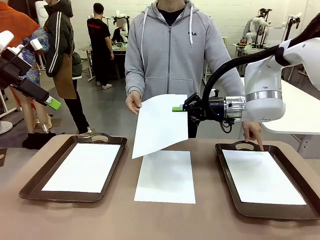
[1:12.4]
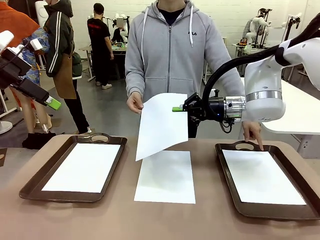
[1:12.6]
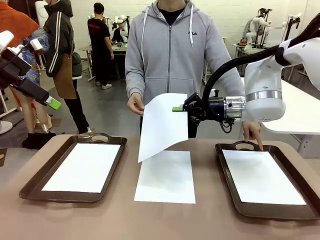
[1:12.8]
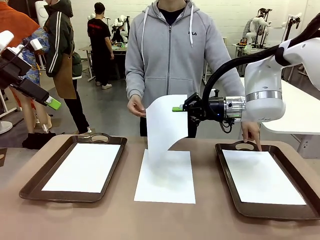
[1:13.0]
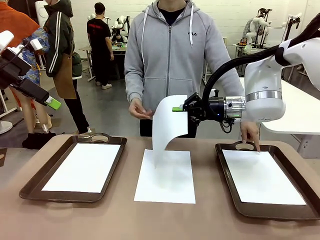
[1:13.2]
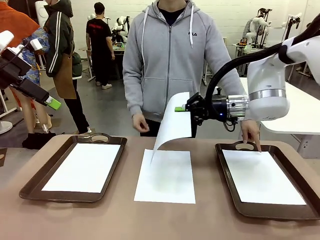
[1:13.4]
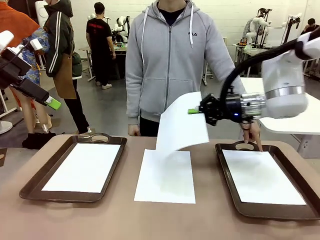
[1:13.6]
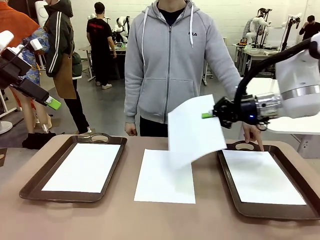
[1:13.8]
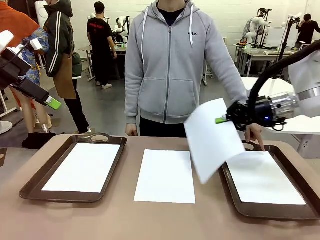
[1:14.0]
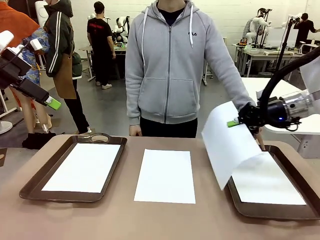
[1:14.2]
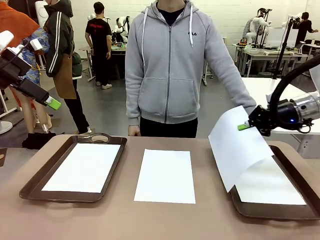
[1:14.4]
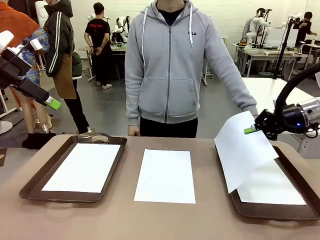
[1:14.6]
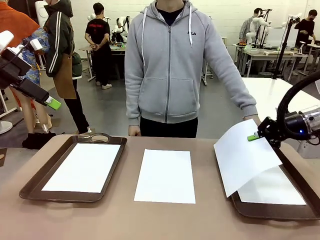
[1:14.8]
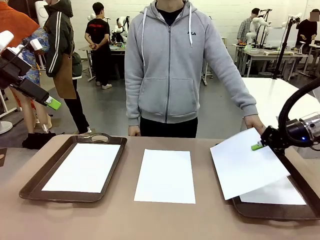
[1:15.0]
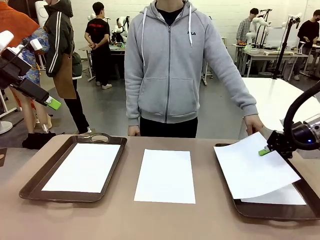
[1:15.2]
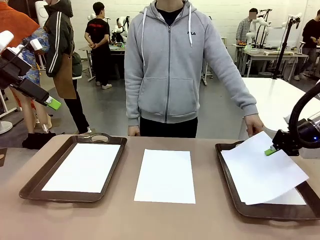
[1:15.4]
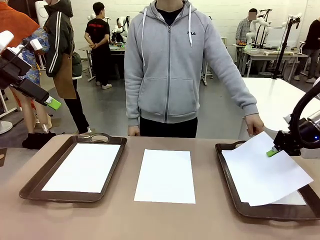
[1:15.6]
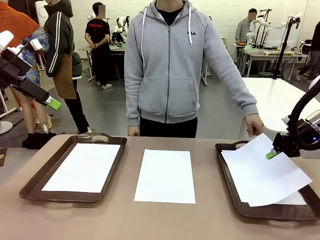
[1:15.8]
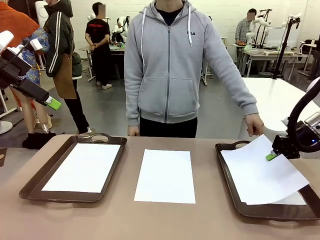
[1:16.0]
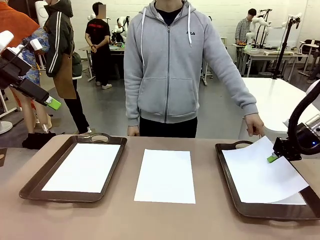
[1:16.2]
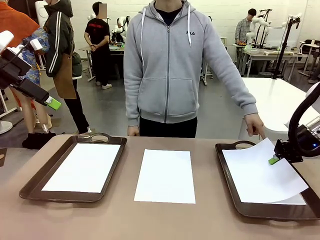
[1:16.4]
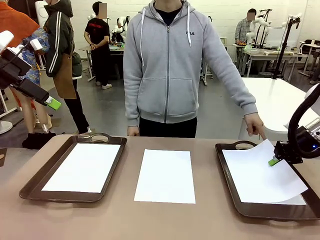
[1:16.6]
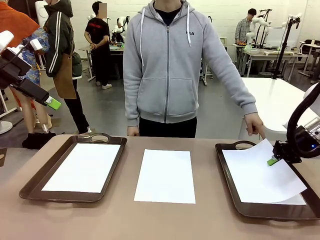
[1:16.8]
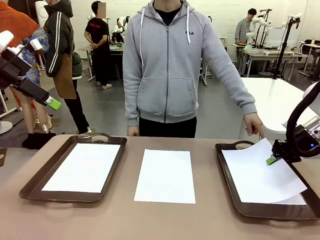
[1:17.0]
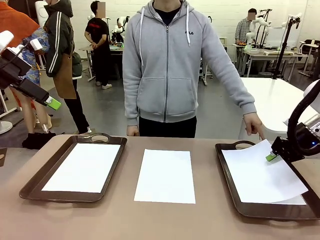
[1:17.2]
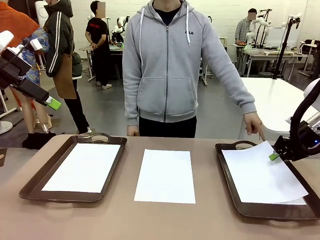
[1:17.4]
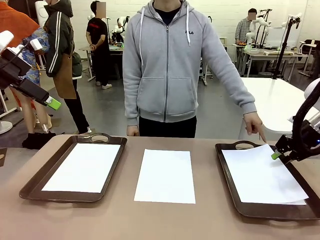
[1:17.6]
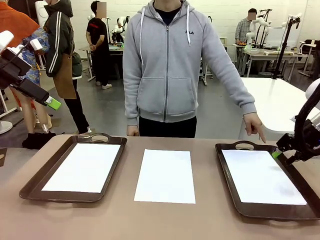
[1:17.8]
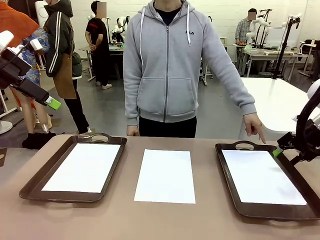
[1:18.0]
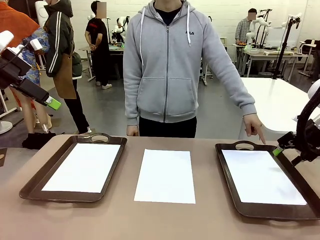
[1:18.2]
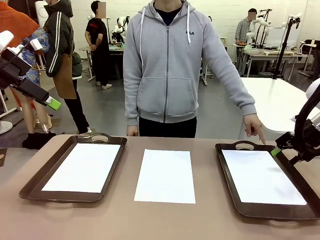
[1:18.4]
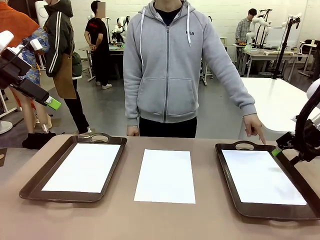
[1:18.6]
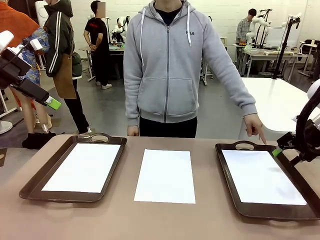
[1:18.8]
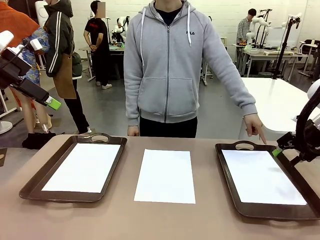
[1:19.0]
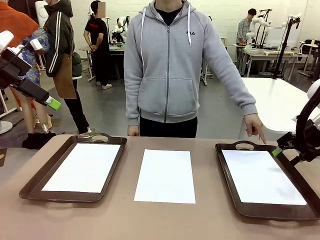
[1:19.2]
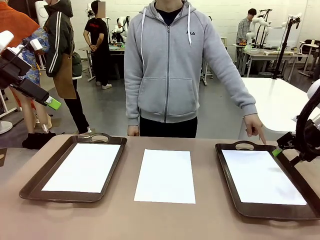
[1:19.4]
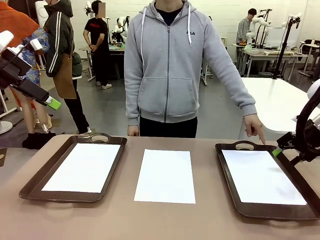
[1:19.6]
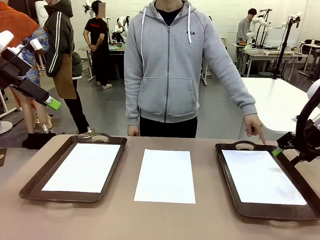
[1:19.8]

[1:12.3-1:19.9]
Task: Sort the A4 documents.
Robot: Place the A4 Paper in the designated Handle tray.

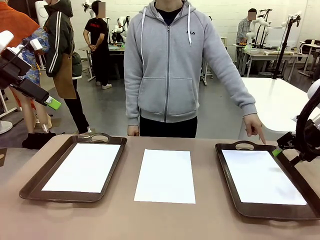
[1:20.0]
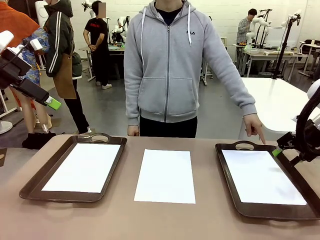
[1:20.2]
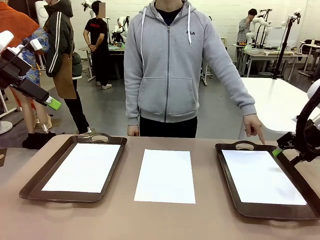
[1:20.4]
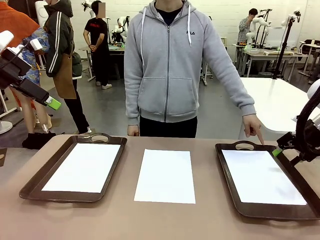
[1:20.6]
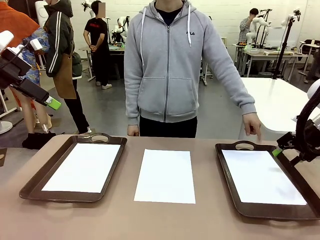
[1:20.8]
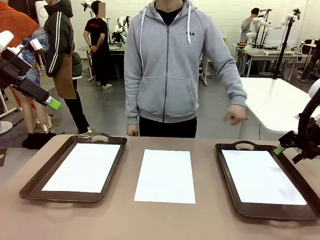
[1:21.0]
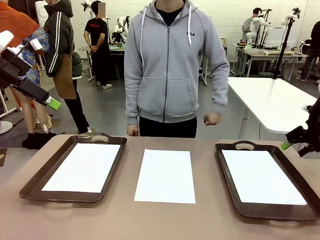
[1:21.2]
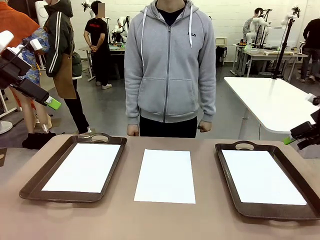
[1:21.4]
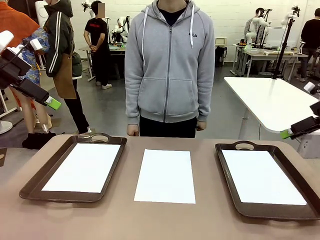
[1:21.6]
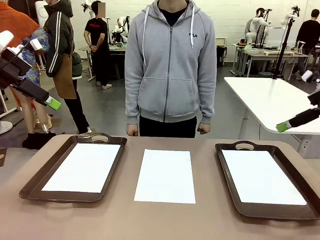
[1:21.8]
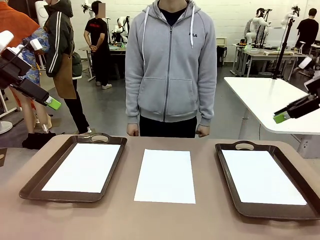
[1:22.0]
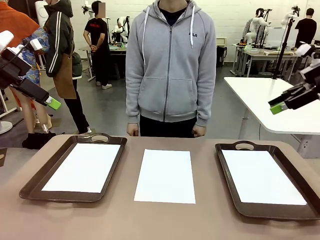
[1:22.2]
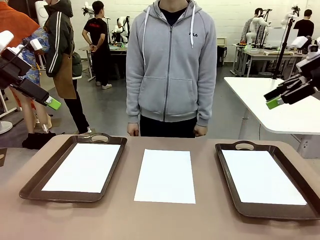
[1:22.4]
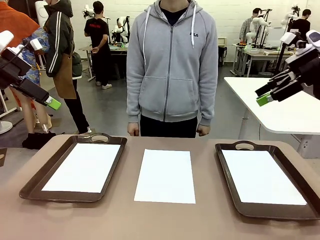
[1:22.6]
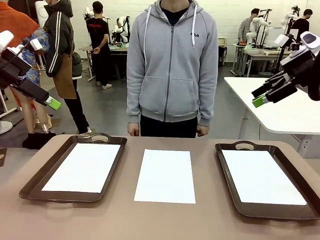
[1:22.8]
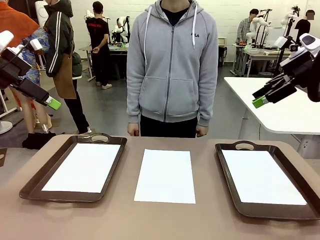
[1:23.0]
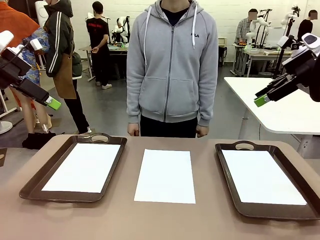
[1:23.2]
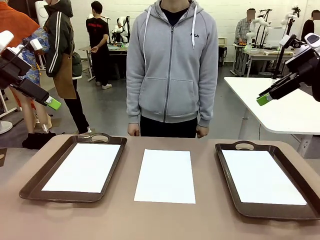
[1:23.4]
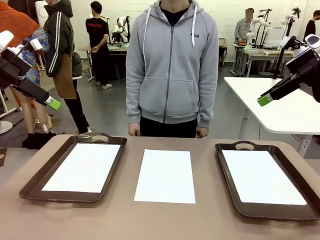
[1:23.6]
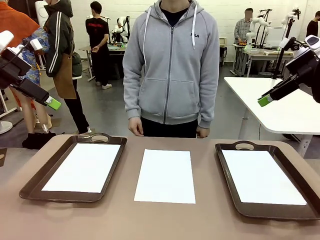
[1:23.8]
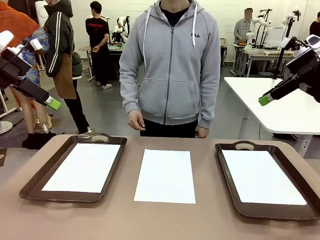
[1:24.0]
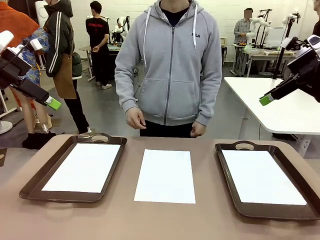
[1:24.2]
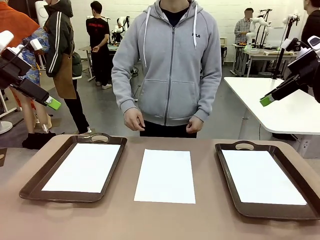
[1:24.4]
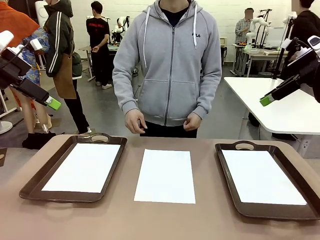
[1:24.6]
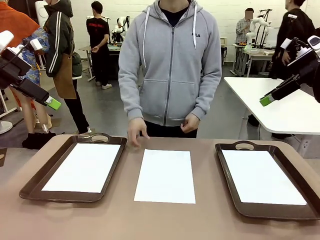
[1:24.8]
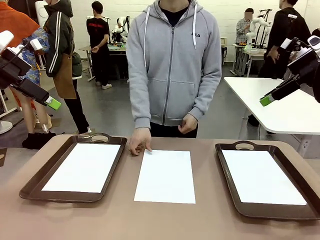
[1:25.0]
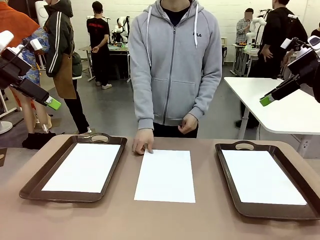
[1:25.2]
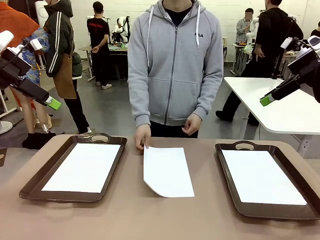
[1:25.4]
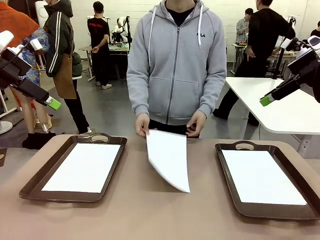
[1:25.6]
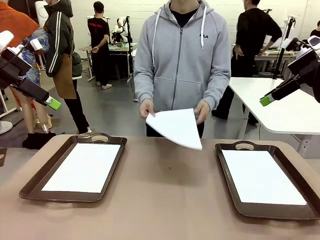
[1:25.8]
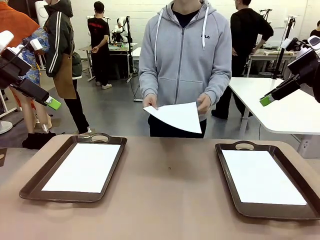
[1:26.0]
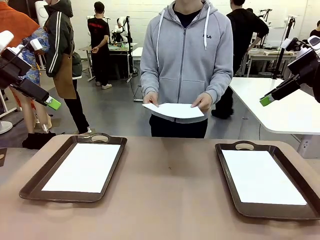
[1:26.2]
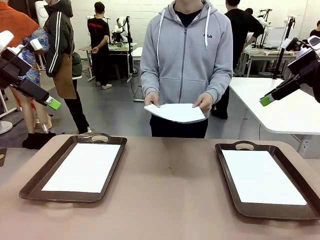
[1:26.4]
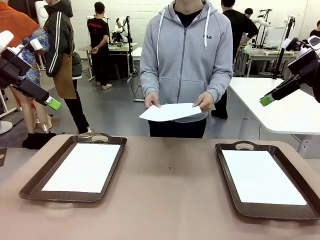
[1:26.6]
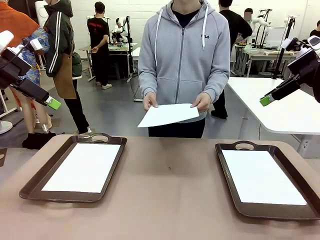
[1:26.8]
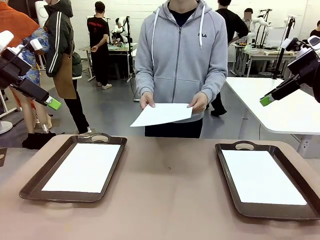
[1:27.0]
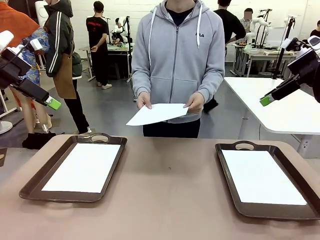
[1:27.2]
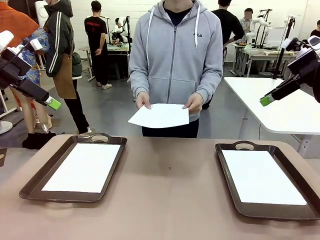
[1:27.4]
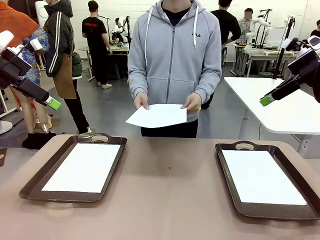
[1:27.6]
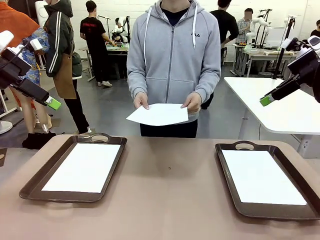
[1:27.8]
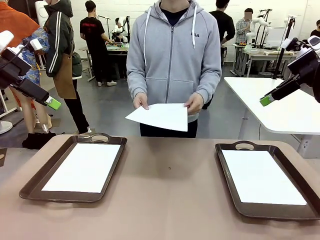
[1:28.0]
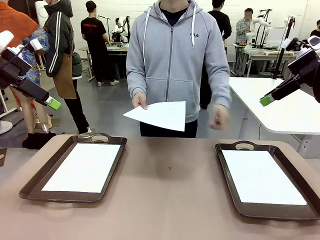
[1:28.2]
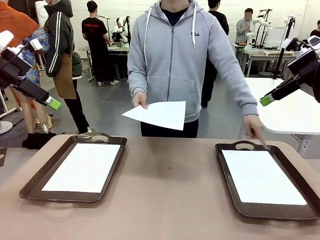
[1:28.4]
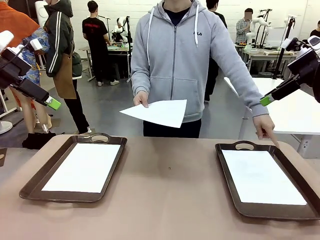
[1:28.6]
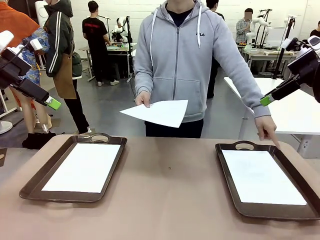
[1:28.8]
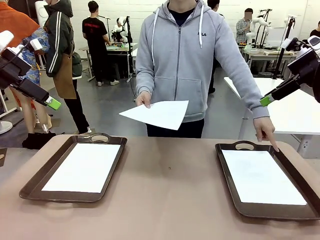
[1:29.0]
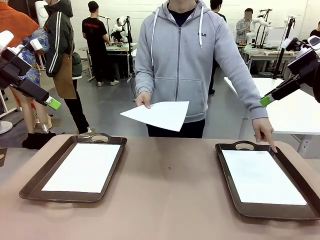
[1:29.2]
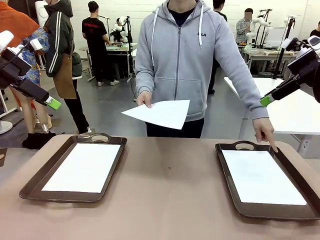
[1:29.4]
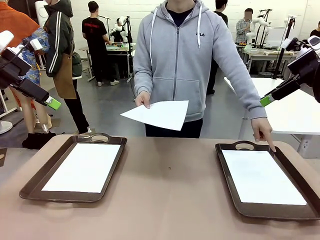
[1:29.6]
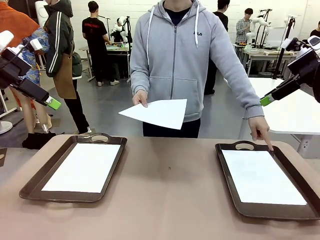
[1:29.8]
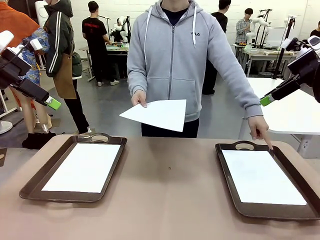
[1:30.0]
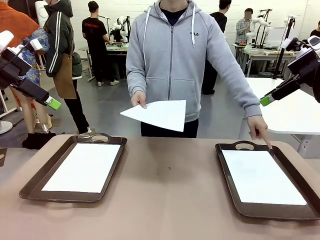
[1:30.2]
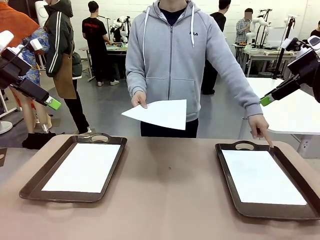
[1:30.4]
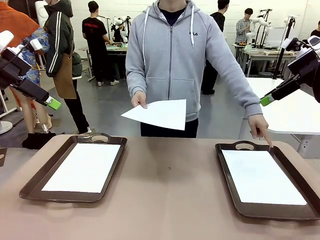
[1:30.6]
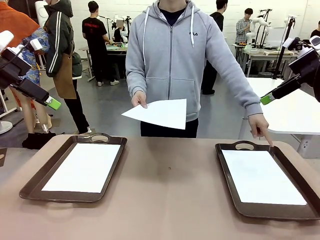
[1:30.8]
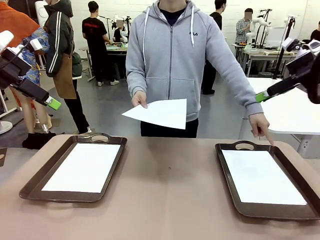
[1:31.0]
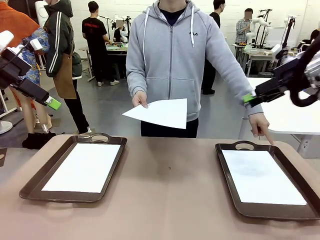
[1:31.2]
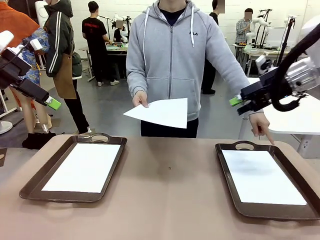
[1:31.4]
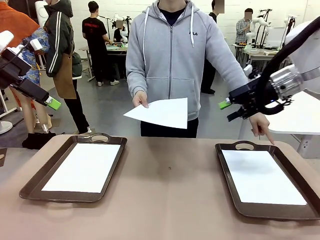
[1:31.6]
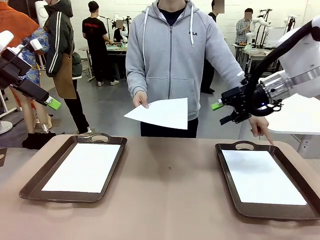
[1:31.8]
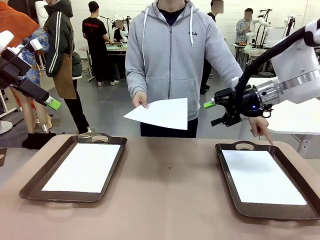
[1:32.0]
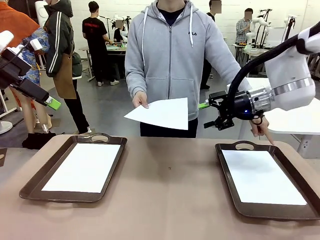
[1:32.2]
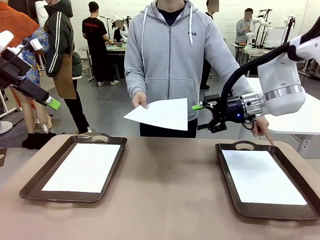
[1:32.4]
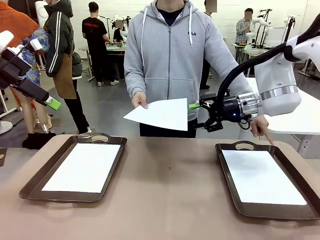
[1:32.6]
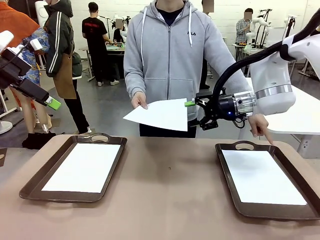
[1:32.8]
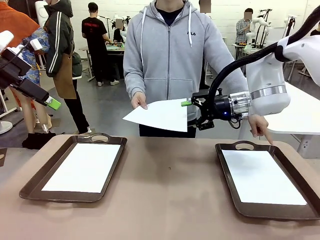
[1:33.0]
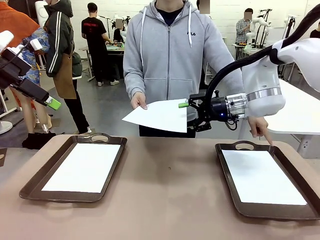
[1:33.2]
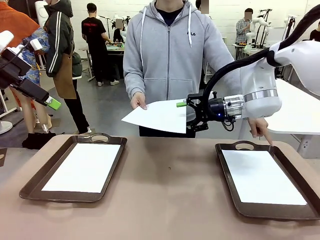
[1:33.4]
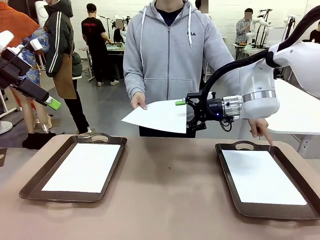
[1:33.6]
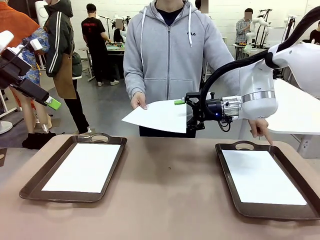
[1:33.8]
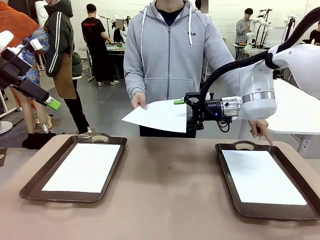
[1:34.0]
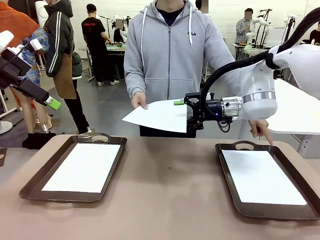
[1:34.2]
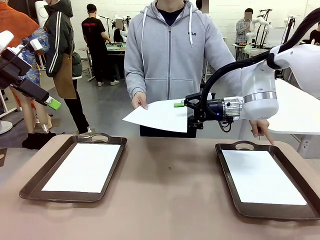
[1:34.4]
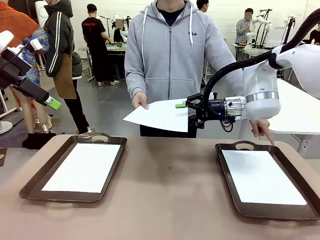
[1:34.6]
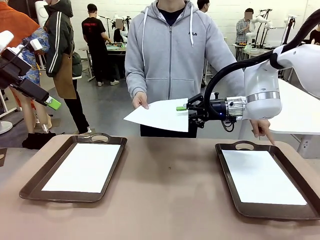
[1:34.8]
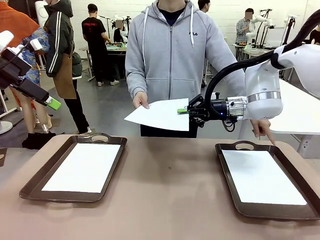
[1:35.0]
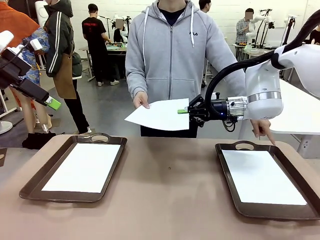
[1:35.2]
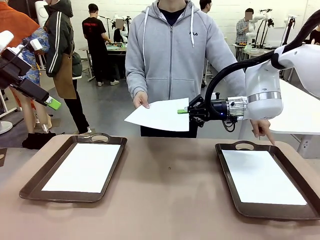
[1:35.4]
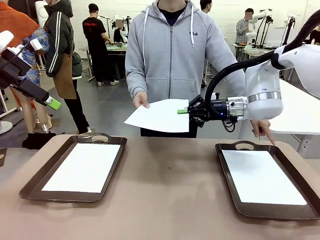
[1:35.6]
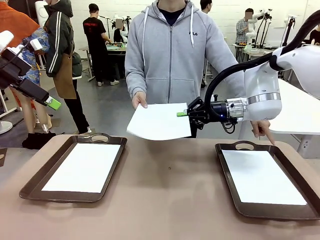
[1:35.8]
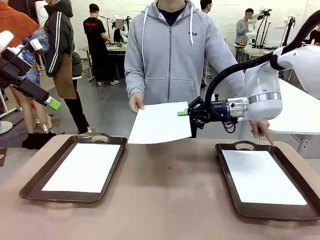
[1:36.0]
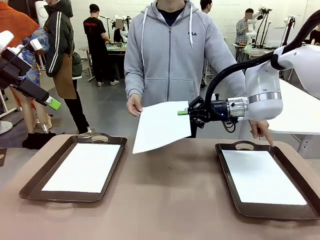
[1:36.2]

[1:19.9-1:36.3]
Robot: Receive the A4 Paper.
Person: Point the randomly selected tray with the other hand.
